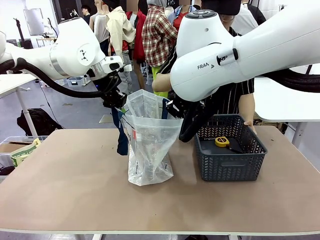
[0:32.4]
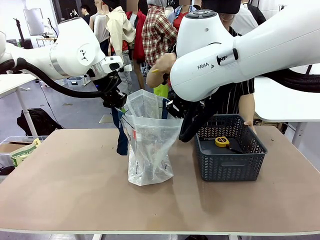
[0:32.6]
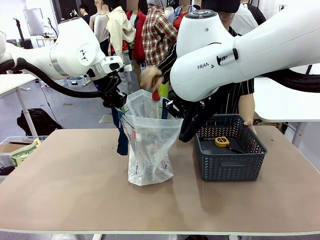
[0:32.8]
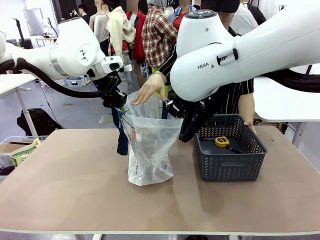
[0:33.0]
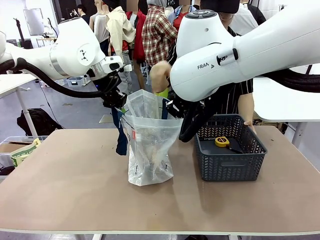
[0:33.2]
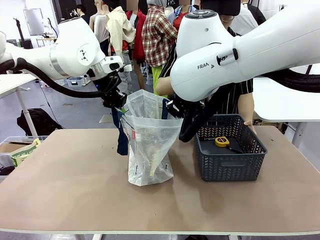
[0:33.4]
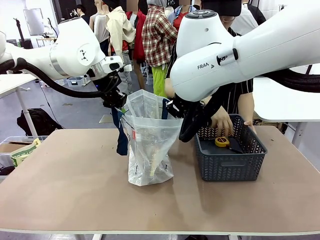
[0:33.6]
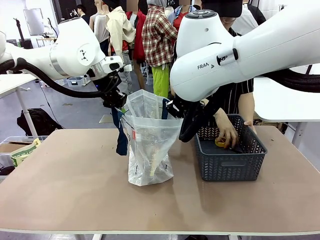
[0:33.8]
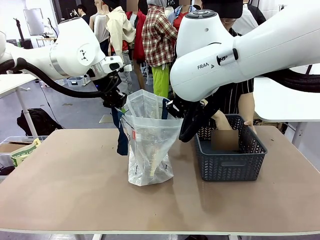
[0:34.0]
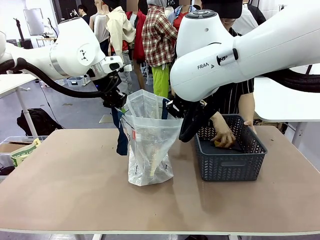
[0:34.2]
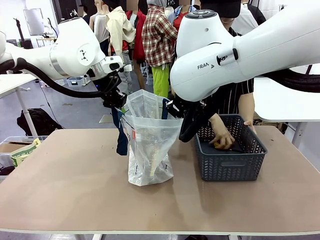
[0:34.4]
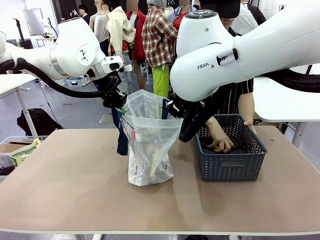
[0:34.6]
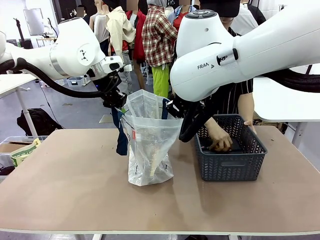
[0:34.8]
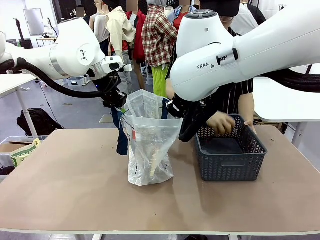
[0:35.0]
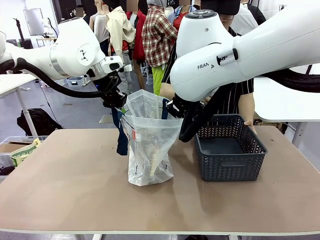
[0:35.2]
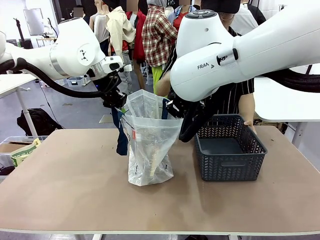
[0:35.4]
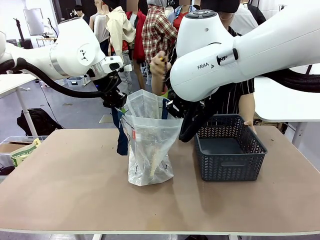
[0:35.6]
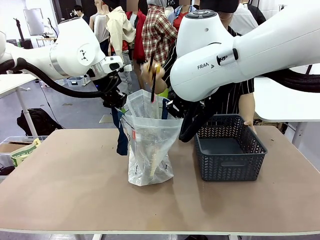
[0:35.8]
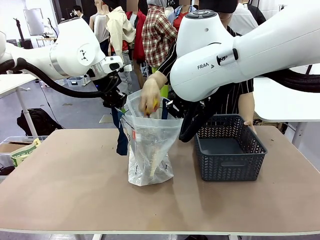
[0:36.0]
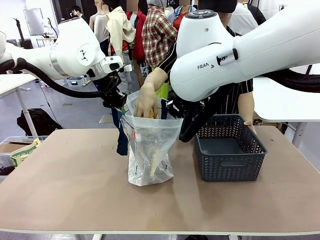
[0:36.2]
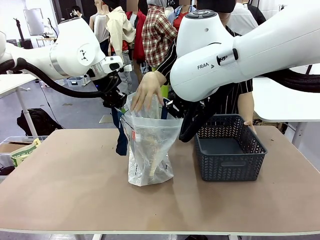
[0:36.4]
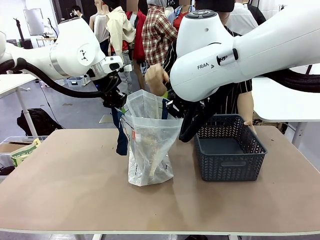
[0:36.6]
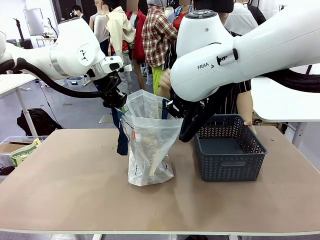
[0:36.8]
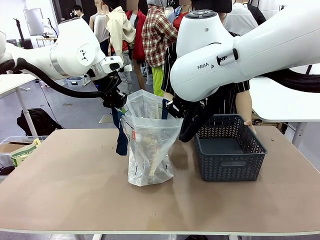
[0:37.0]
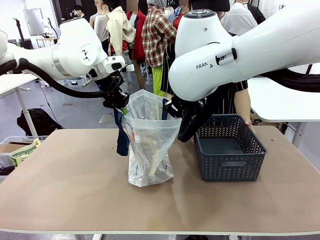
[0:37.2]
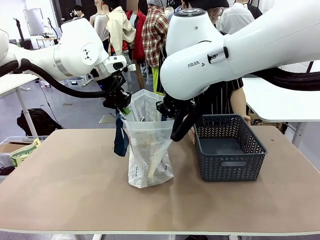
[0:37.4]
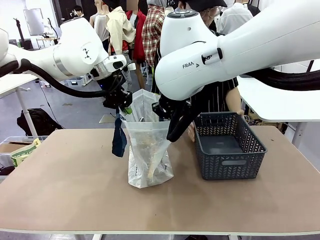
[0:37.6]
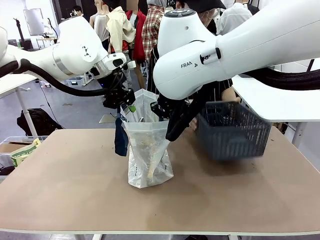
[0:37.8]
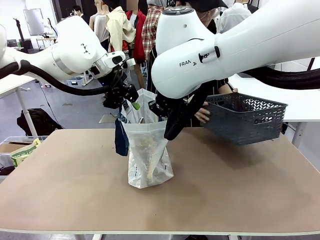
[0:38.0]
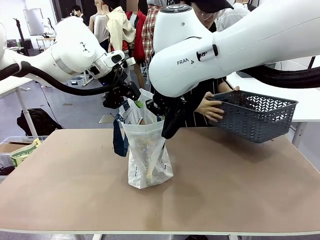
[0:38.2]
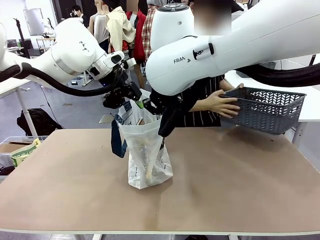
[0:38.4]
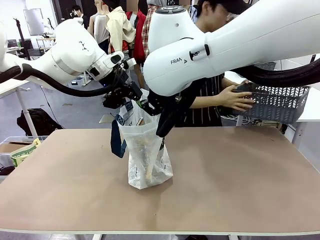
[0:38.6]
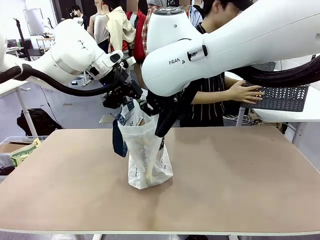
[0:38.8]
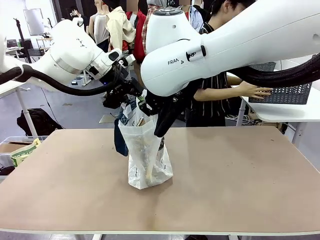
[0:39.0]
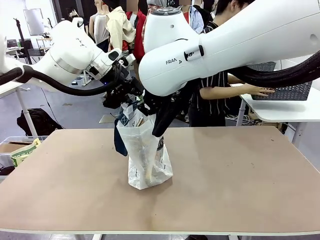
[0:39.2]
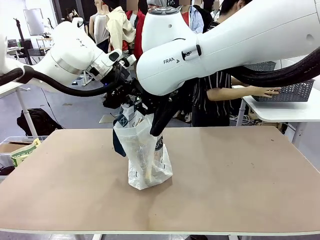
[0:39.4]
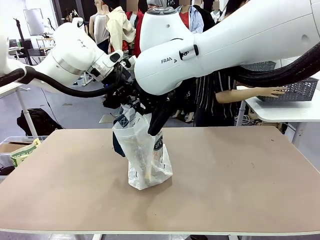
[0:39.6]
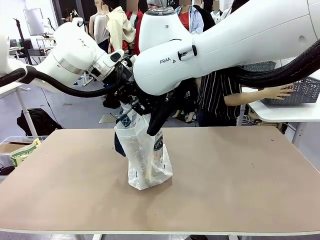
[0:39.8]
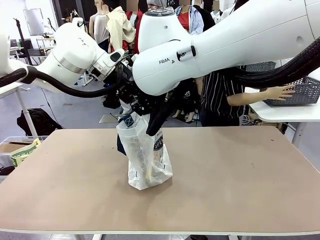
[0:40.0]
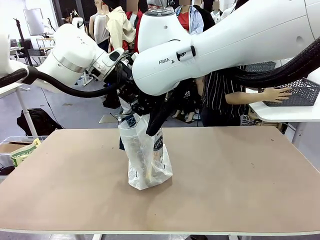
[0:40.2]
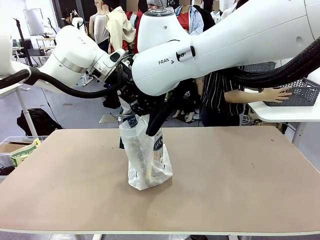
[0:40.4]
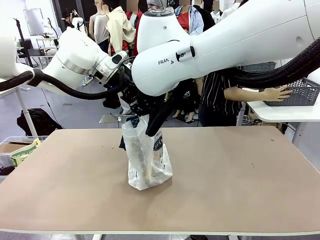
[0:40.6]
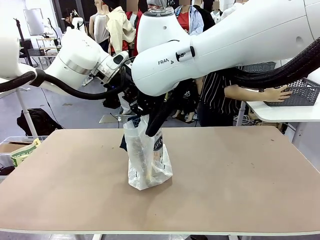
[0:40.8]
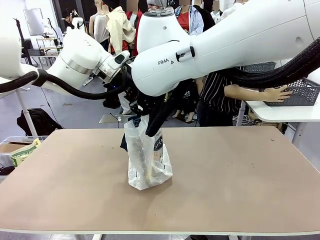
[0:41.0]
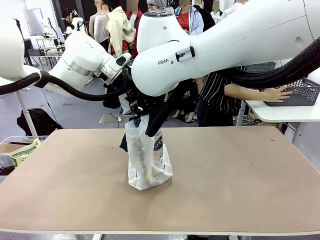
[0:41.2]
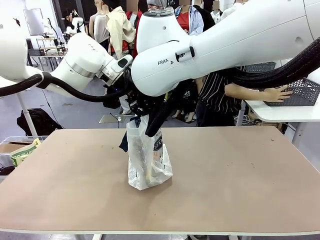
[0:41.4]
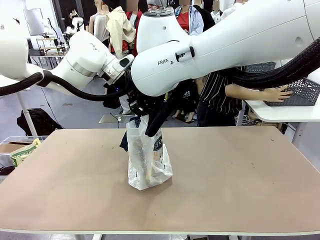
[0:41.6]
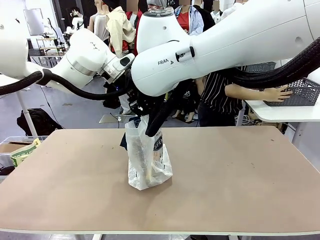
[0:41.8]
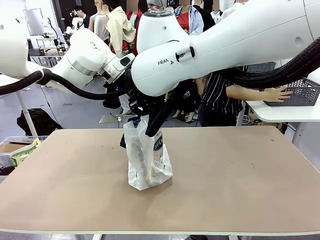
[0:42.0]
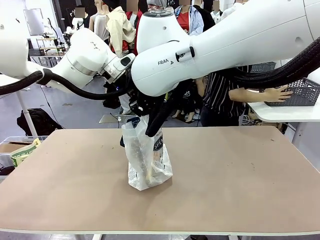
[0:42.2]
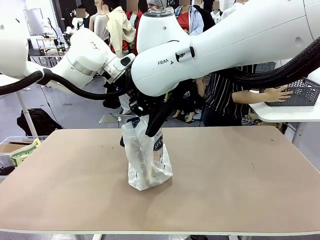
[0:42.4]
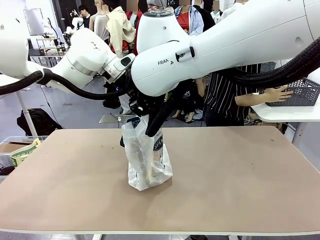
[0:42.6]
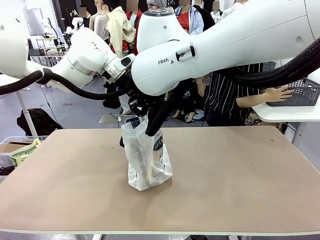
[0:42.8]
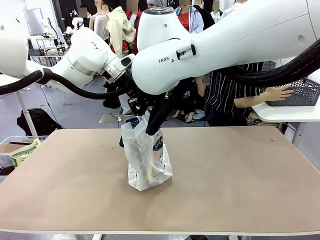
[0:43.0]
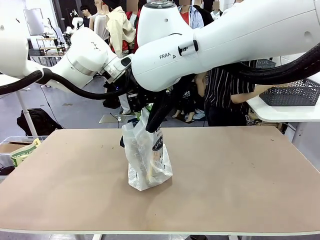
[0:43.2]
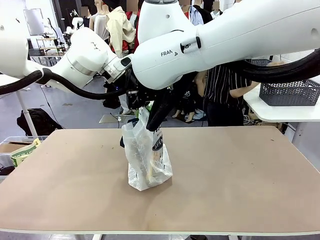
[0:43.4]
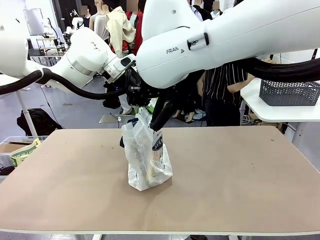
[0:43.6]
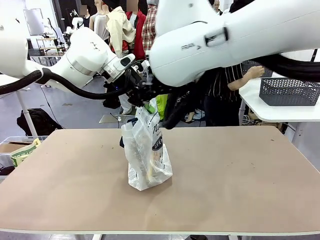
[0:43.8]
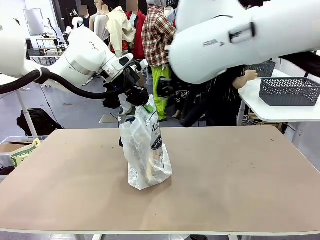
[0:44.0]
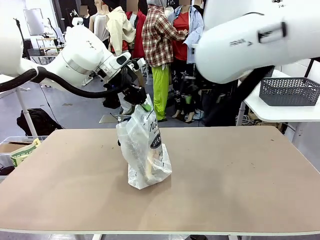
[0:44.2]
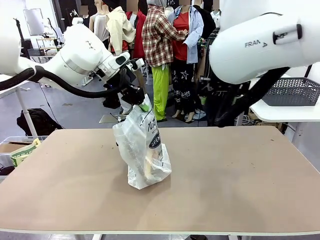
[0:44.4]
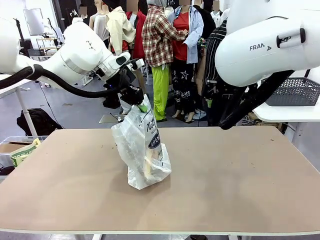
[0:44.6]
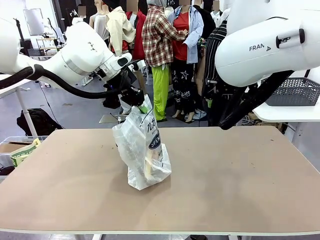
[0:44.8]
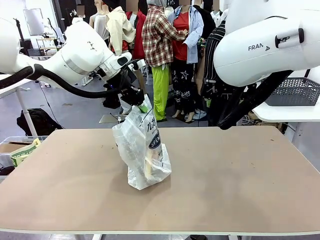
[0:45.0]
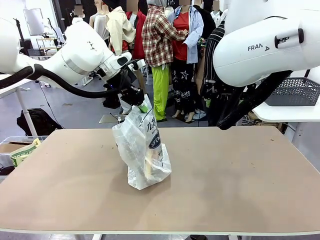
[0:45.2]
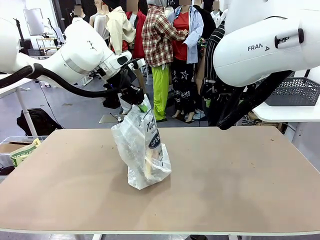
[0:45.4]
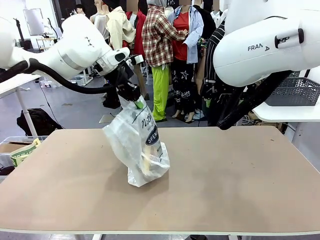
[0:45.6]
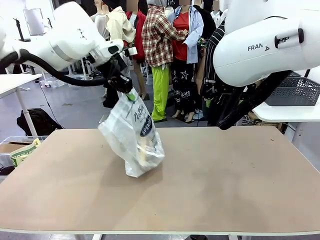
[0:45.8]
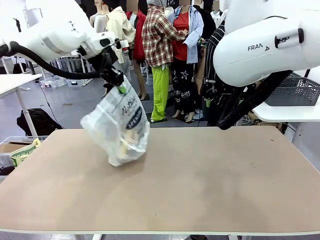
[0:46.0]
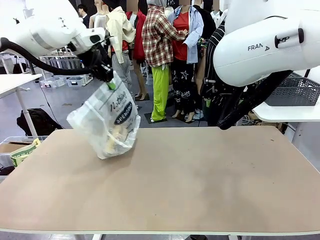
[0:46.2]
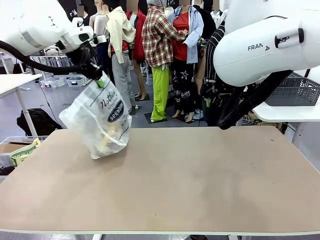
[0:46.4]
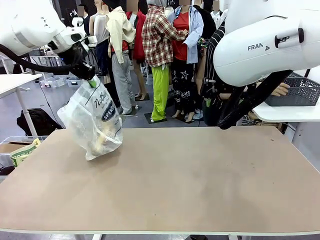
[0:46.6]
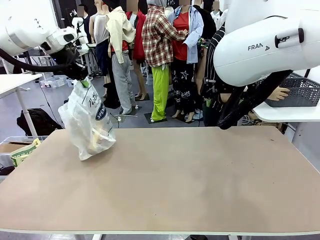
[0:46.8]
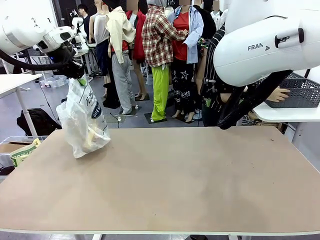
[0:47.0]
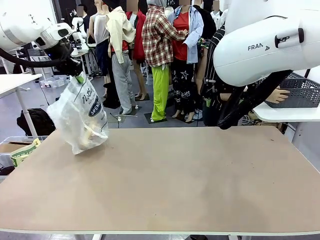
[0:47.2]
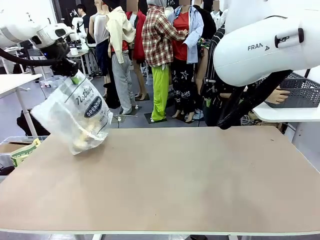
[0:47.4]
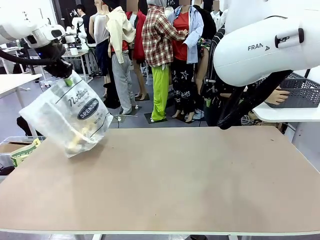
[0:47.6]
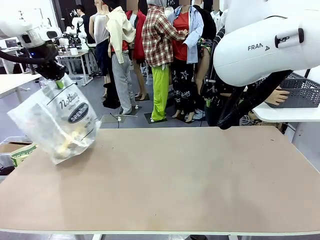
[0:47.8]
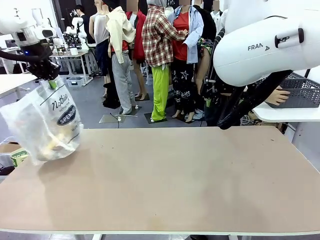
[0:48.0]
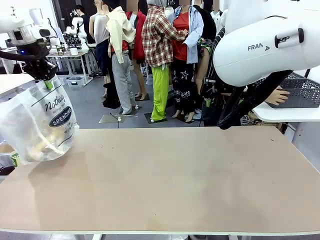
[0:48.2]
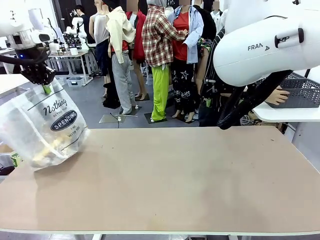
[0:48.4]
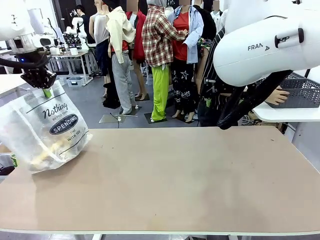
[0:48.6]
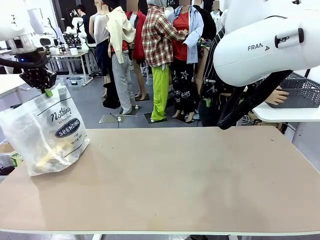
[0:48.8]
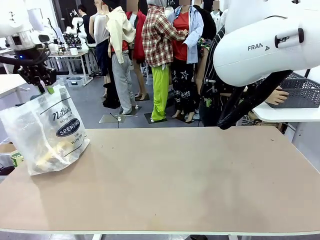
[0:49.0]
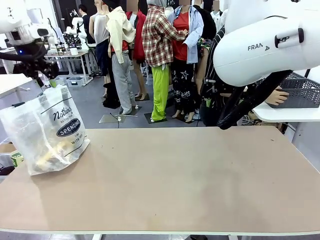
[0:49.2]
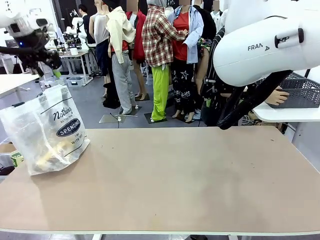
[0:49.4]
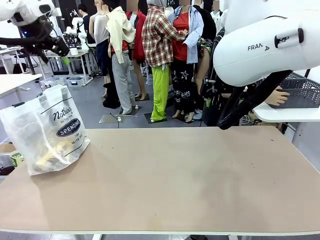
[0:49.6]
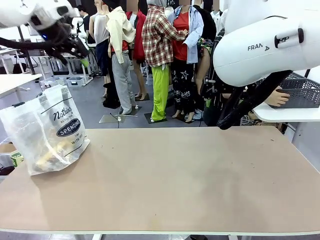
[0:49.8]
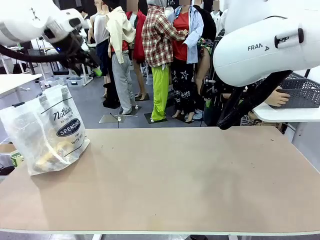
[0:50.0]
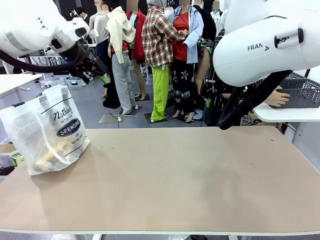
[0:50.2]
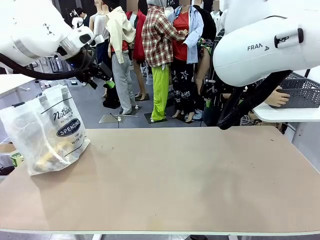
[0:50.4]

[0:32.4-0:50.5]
Task: Transfer purchased items from the store into the shopping bag.
Robot: Move the Reusable shopping bag to the right side of the table.
Person: Move the basket on the left to the middle of the person's table.
